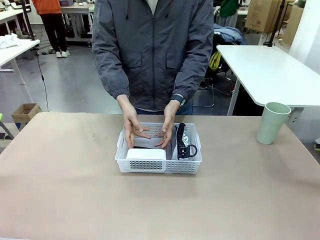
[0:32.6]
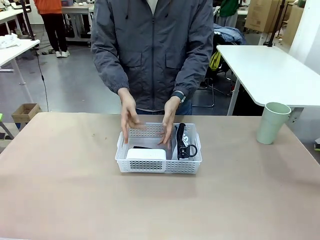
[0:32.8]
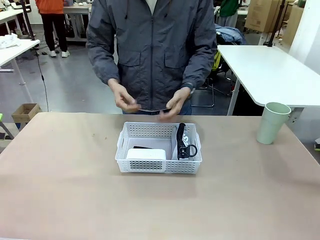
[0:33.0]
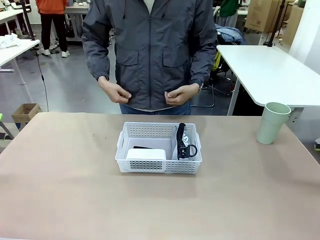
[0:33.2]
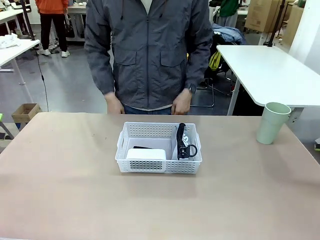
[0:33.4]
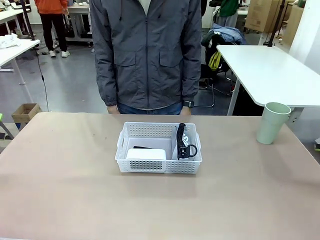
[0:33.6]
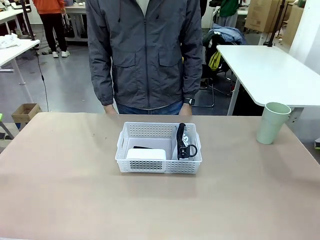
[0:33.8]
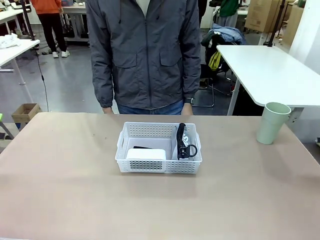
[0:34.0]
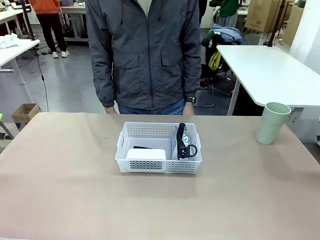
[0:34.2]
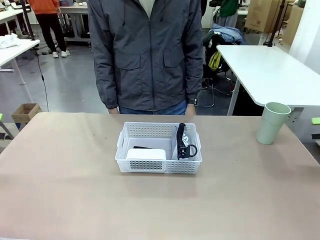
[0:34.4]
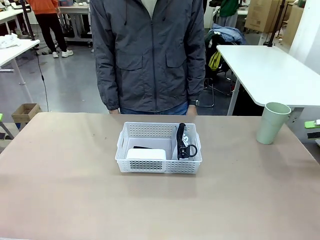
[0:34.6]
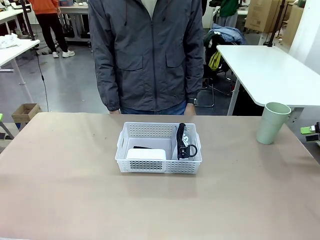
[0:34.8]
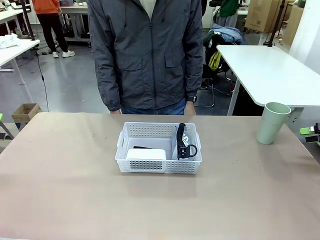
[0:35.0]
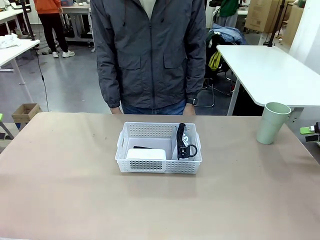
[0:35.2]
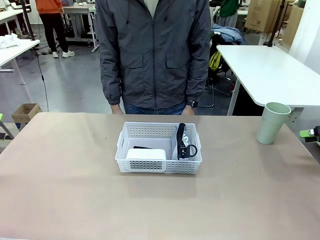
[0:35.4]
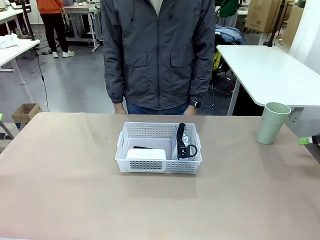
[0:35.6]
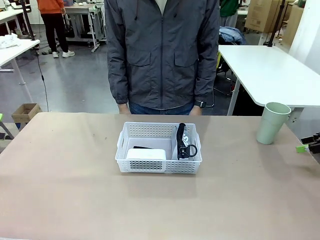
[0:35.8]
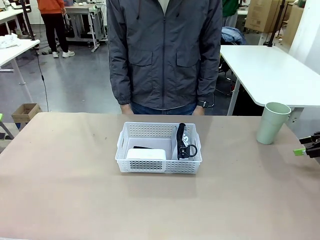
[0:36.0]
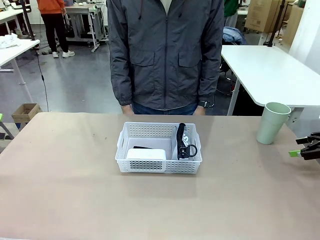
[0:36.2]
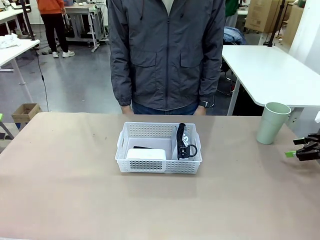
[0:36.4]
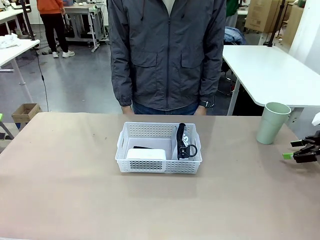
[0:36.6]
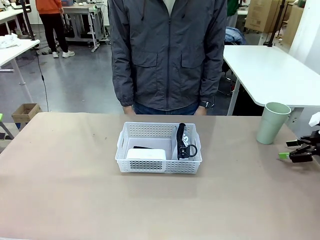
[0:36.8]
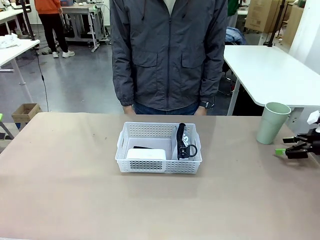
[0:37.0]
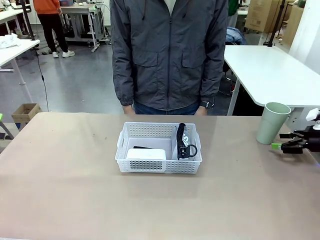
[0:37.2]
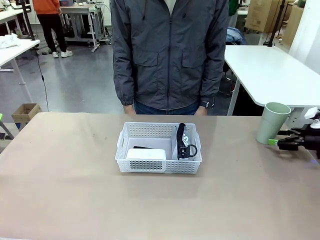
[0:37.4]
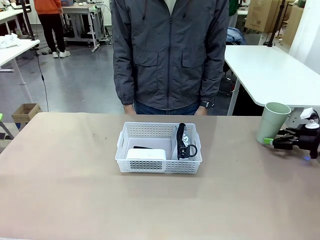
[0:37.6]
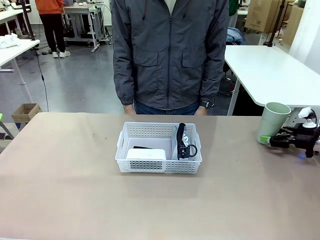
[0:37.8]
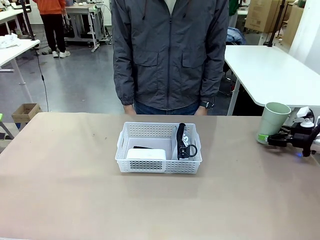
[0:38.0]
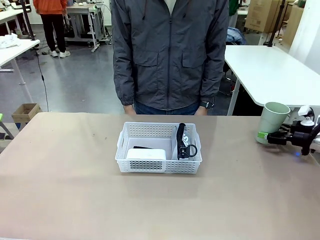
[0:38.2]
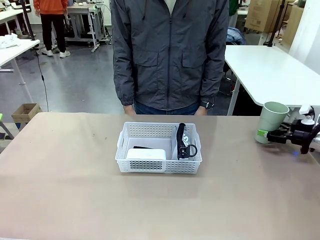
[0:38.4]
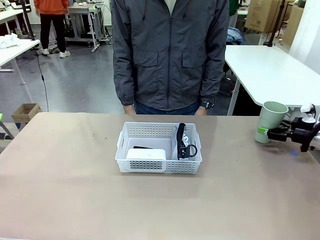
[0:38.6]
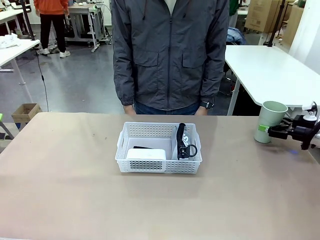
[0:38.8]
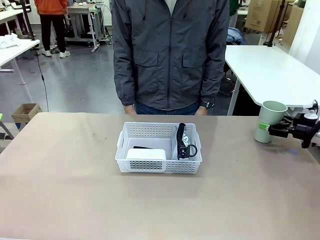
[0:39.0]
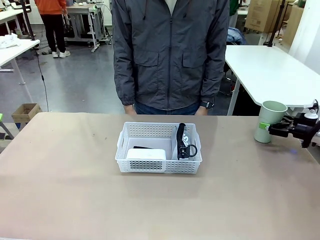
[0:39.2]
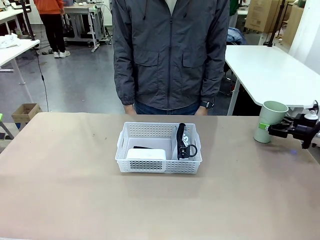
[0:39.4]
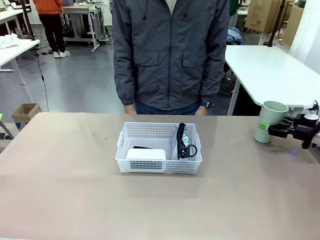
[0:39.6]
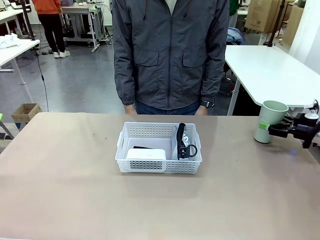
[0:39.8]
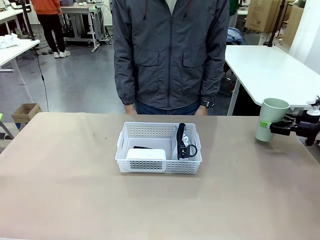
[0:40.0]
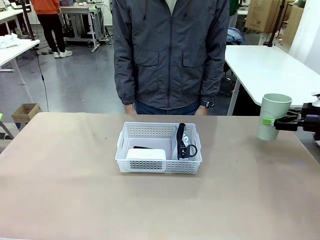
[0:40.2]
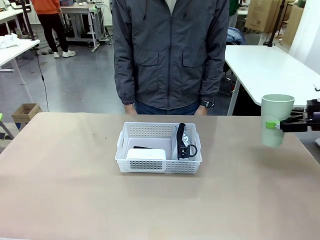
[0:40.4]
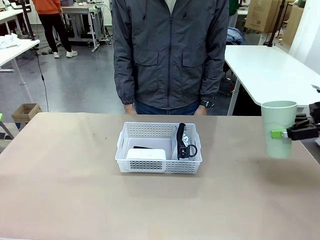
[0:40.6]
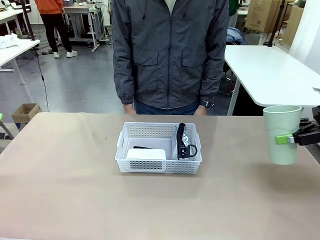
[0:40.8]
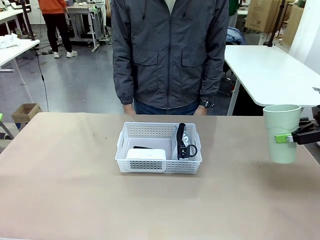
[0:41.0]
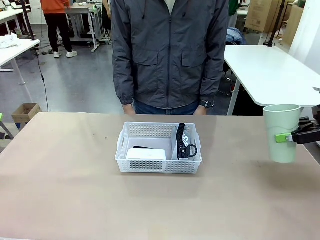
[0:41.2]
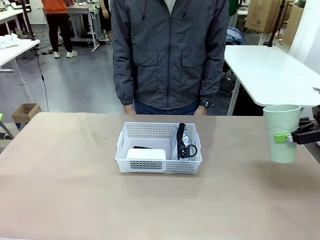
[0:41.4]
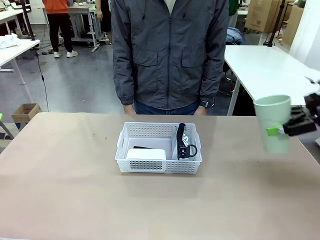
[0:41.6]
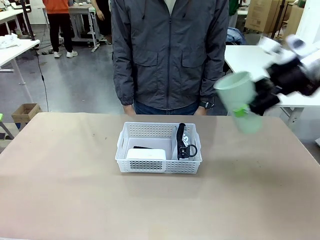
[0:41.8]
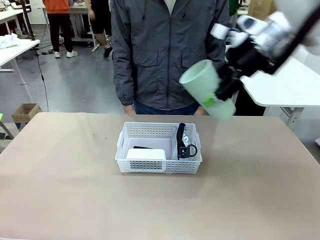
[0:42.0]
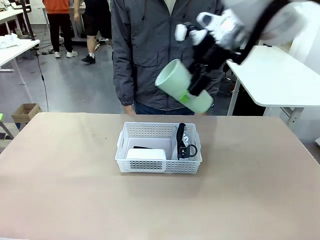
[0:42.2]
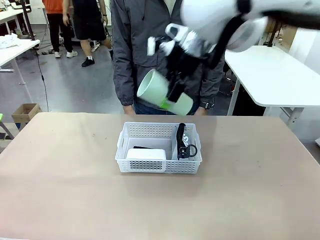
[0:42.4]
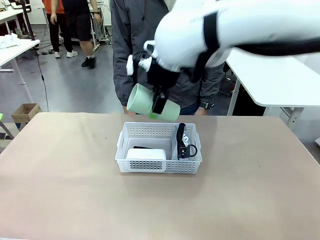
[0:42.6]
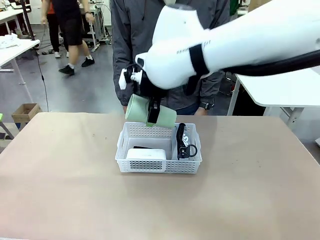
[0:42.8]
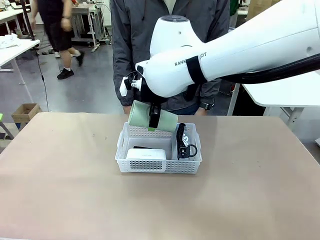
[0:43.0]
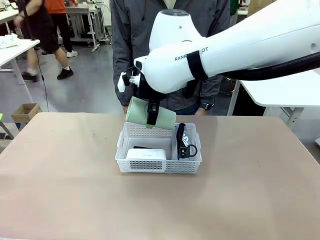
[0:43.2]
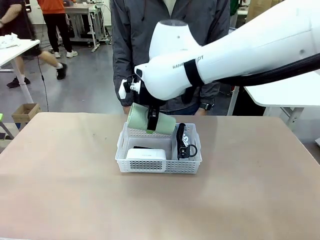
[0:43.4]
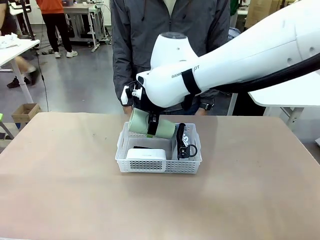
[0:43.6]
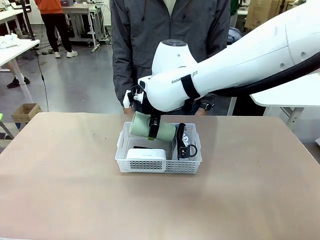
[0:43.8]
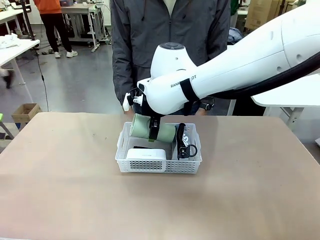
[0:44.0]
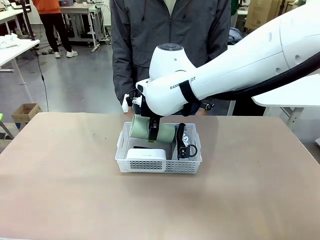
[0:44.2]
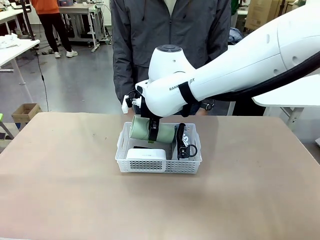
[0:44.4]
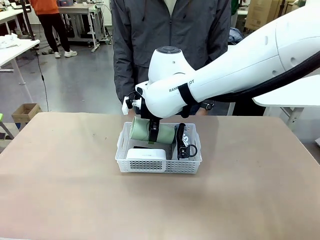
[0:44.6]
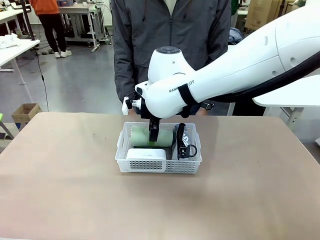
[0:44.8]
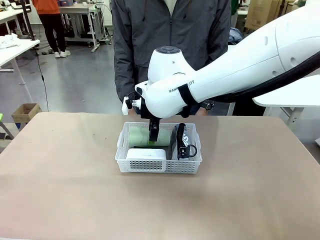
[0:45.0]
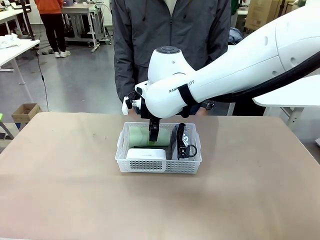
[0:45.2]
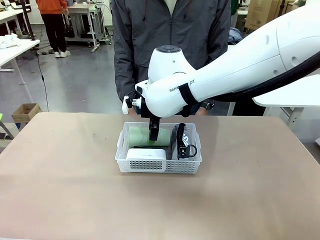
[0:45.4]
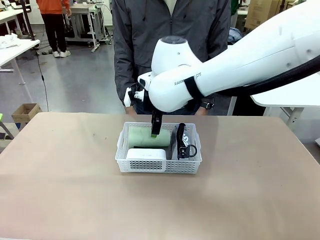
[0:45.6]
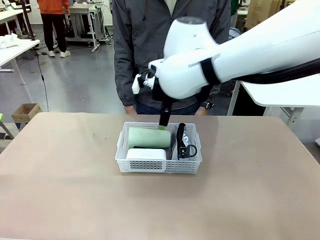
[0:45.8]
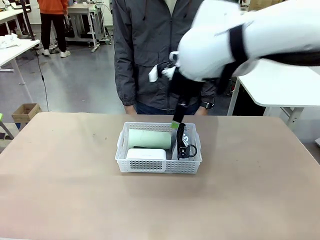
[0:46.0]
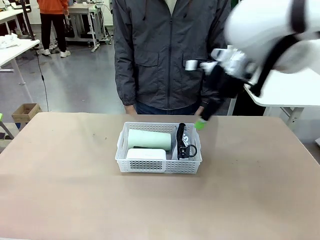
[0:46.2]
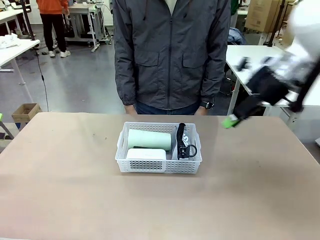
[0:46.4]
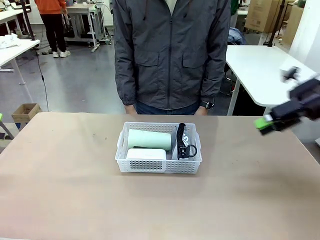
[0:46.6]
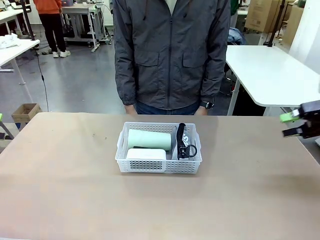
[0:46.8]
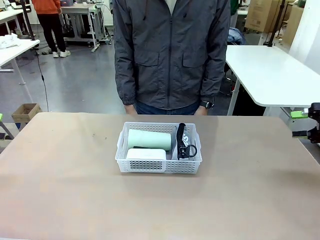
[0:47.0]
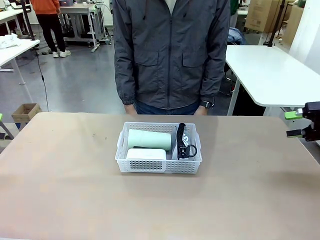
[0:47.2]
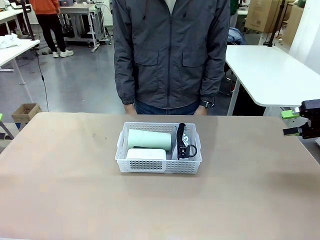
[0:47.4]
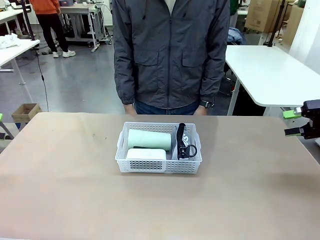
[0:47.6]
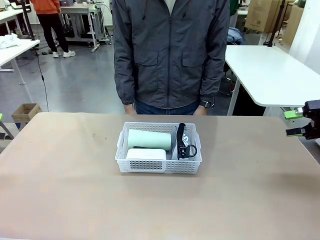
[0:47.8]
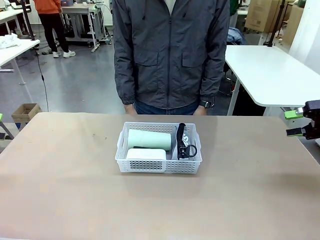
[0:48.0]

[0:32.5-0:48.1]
Task: Efficiently arrange items inside the basket to fit them all.
Robot: Pick up the Reusable plastic cup and place it inside the Organizing basket.
Person: Repositions the stapler.
